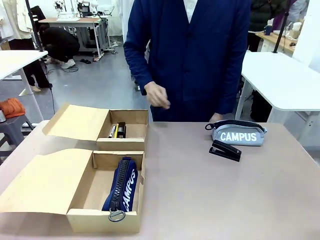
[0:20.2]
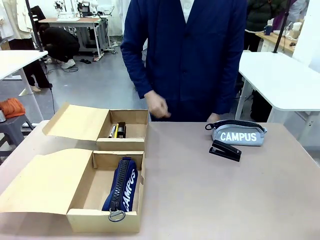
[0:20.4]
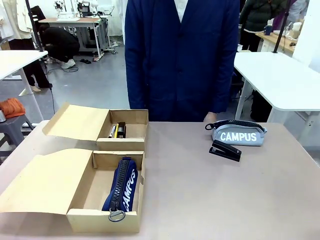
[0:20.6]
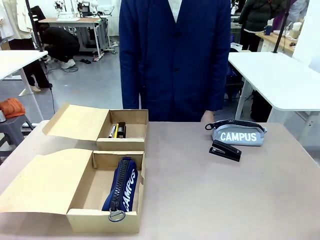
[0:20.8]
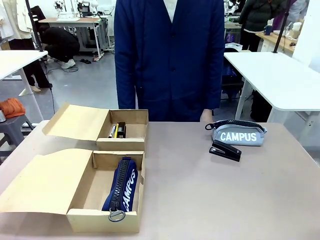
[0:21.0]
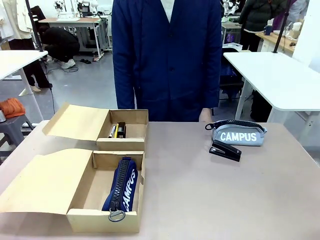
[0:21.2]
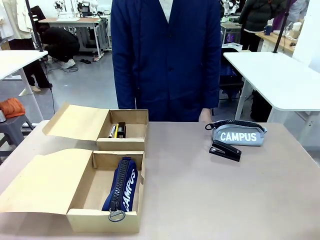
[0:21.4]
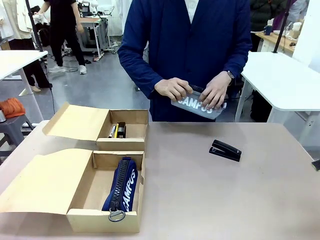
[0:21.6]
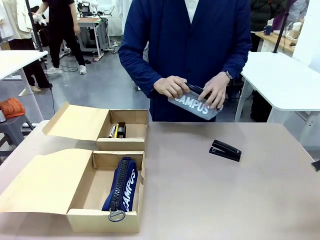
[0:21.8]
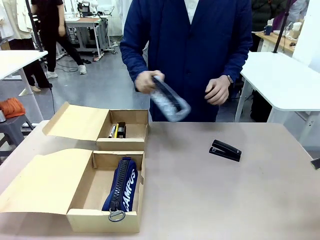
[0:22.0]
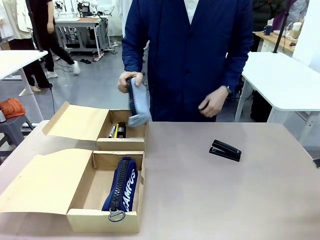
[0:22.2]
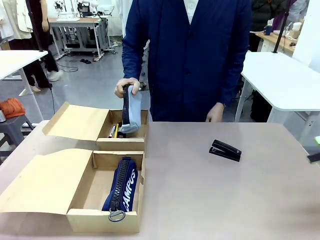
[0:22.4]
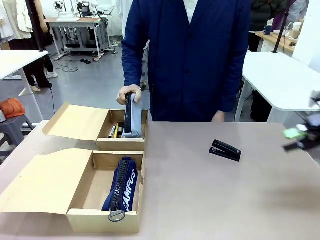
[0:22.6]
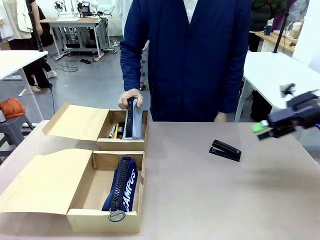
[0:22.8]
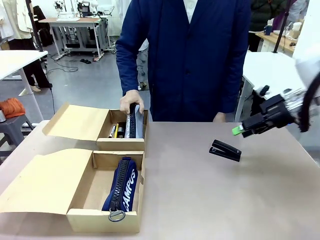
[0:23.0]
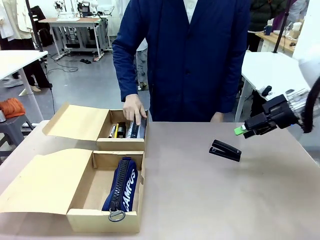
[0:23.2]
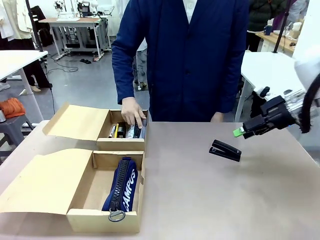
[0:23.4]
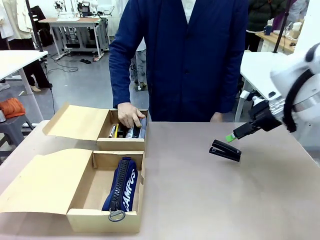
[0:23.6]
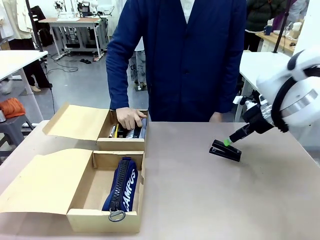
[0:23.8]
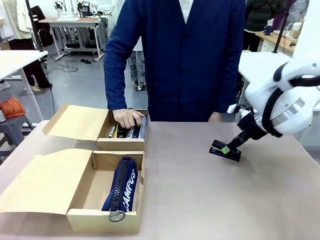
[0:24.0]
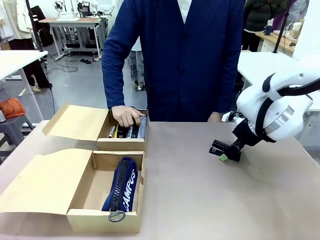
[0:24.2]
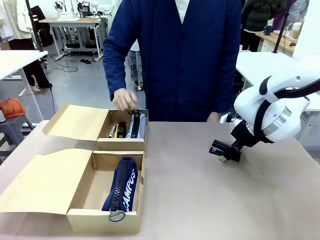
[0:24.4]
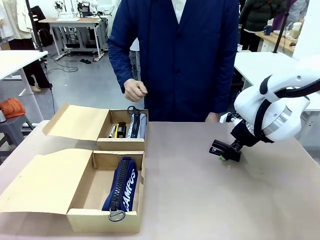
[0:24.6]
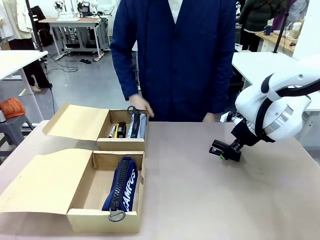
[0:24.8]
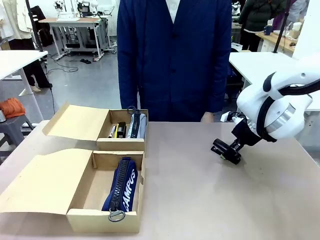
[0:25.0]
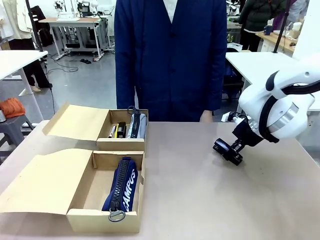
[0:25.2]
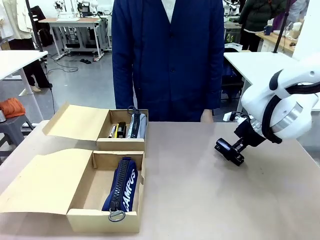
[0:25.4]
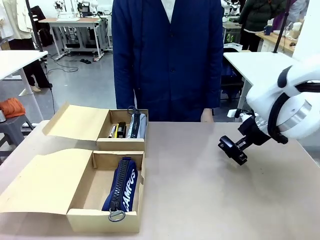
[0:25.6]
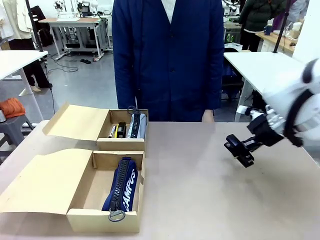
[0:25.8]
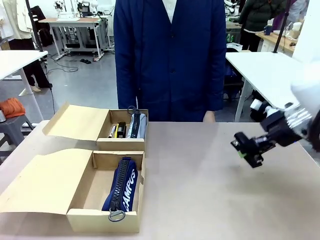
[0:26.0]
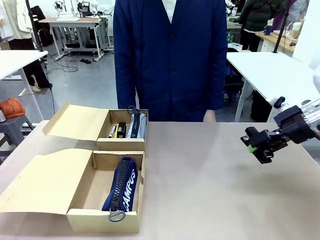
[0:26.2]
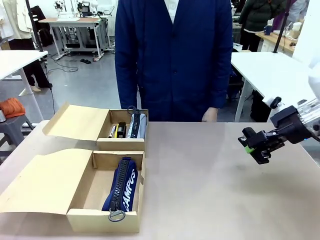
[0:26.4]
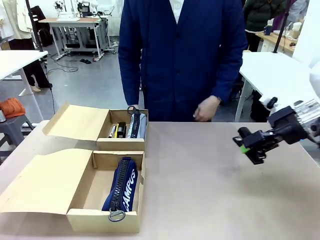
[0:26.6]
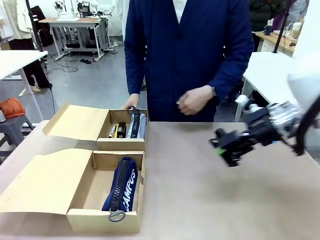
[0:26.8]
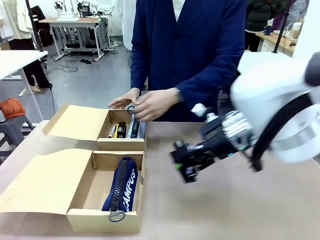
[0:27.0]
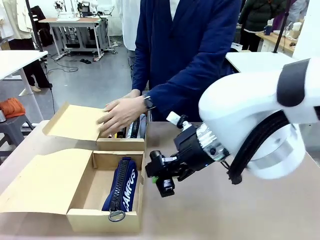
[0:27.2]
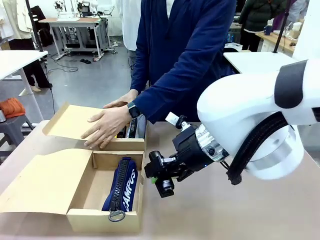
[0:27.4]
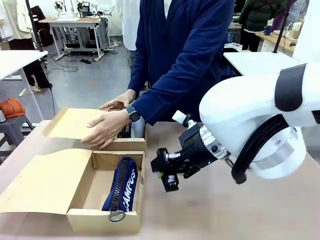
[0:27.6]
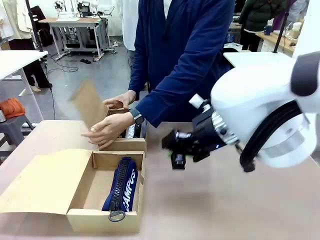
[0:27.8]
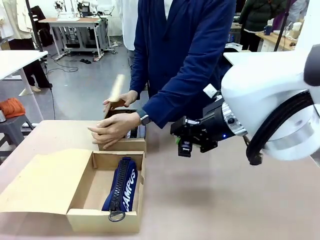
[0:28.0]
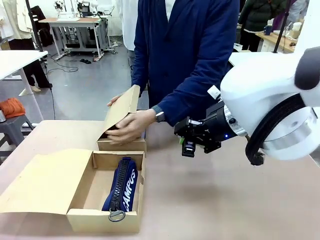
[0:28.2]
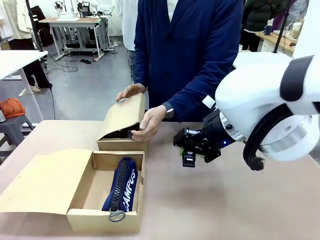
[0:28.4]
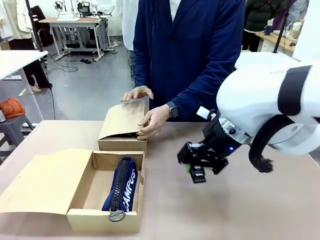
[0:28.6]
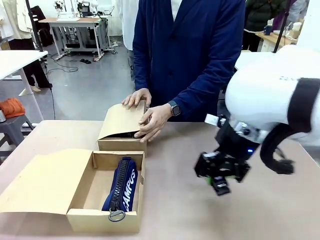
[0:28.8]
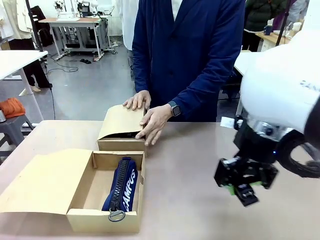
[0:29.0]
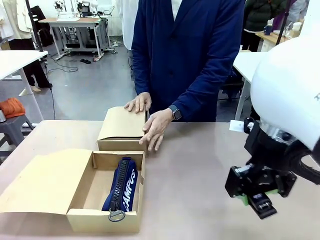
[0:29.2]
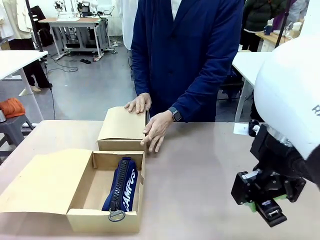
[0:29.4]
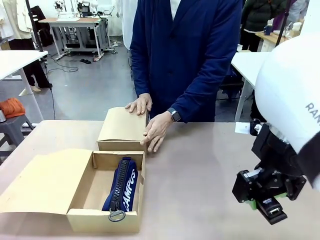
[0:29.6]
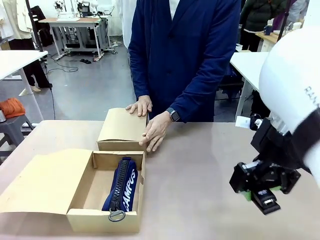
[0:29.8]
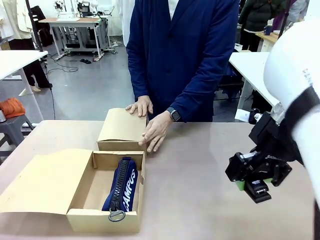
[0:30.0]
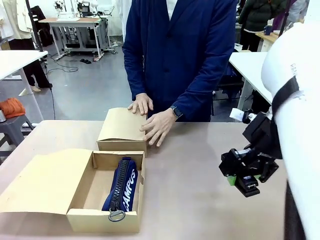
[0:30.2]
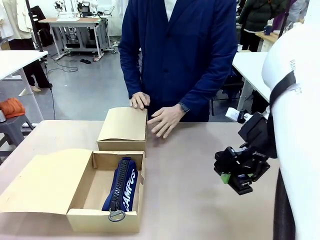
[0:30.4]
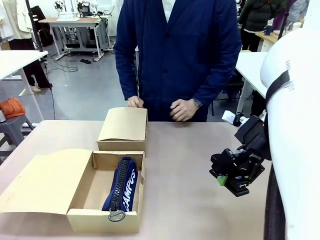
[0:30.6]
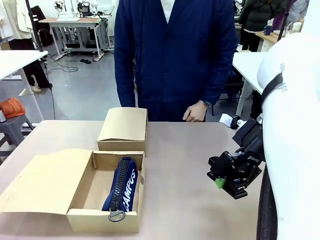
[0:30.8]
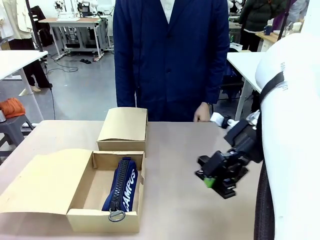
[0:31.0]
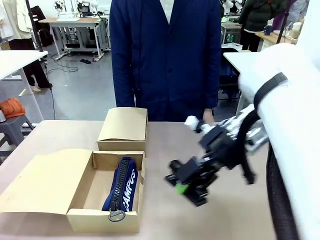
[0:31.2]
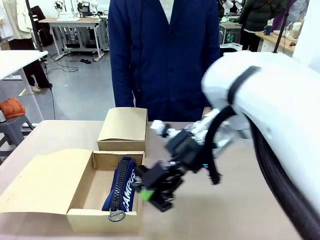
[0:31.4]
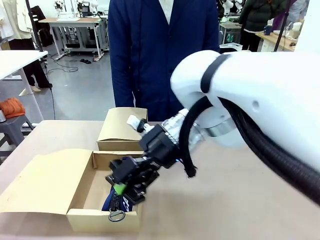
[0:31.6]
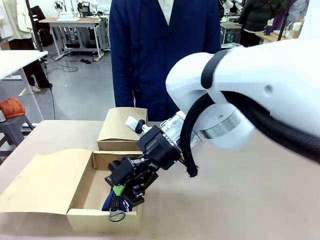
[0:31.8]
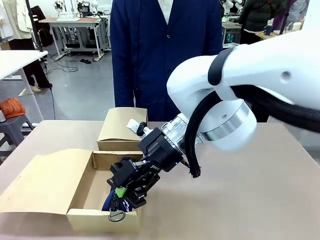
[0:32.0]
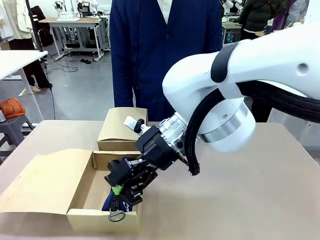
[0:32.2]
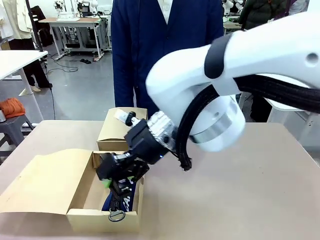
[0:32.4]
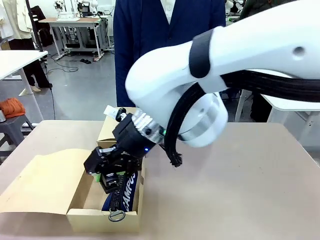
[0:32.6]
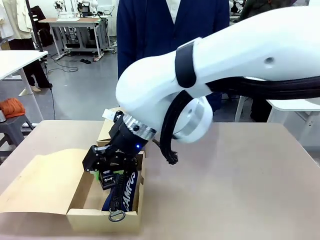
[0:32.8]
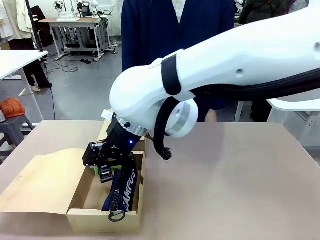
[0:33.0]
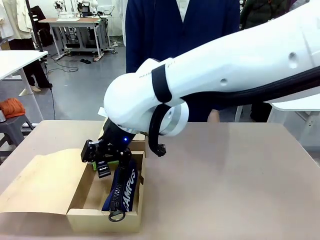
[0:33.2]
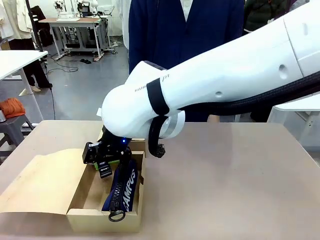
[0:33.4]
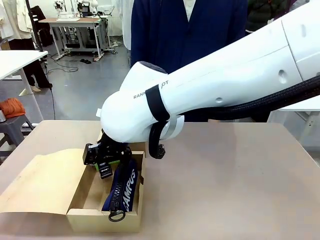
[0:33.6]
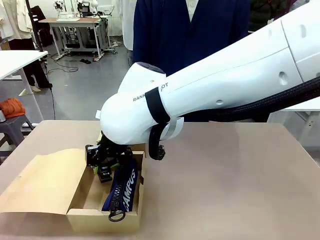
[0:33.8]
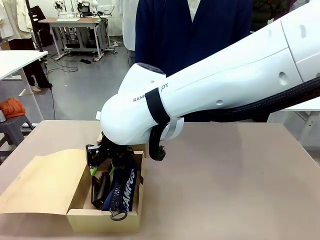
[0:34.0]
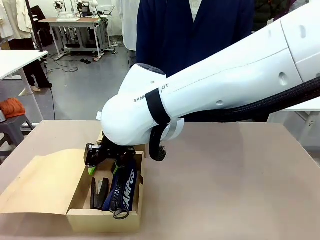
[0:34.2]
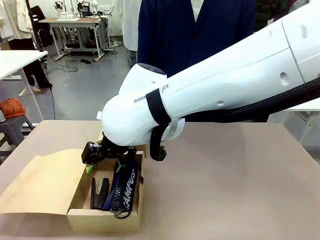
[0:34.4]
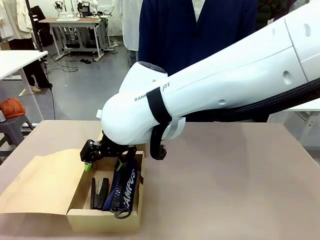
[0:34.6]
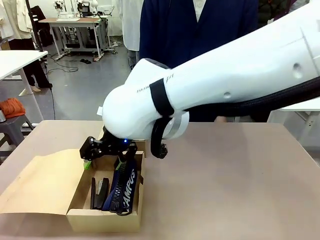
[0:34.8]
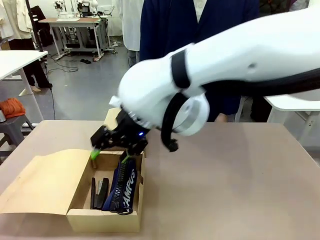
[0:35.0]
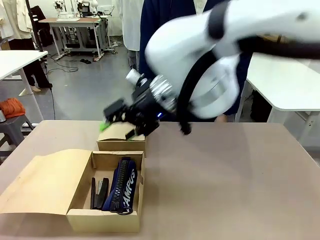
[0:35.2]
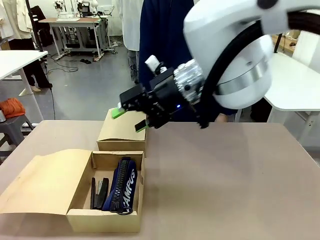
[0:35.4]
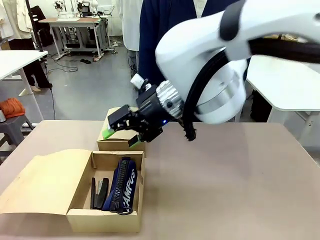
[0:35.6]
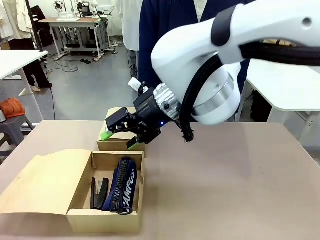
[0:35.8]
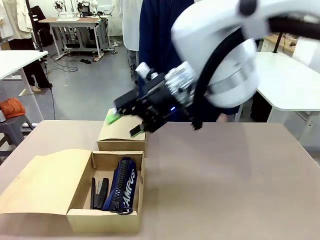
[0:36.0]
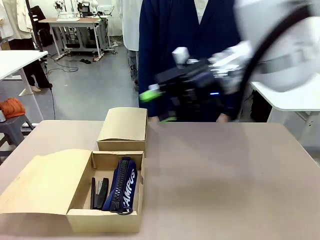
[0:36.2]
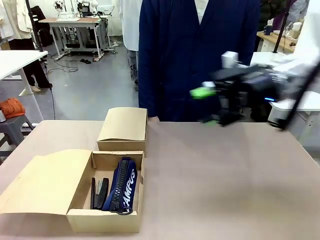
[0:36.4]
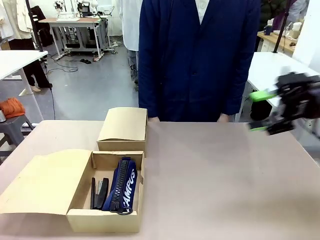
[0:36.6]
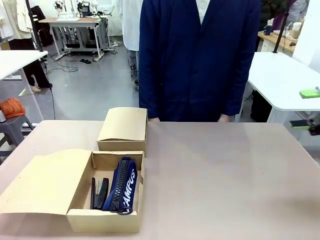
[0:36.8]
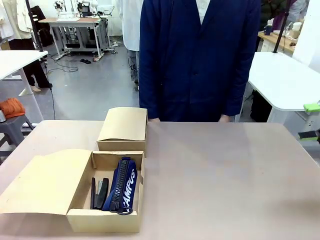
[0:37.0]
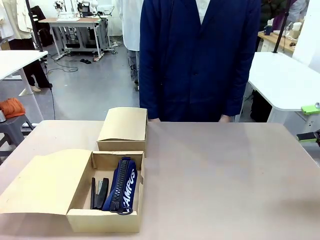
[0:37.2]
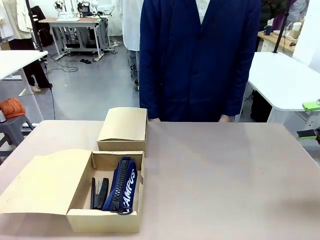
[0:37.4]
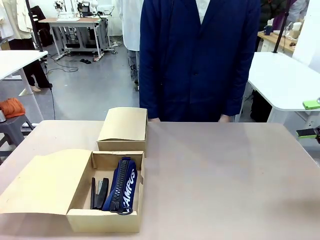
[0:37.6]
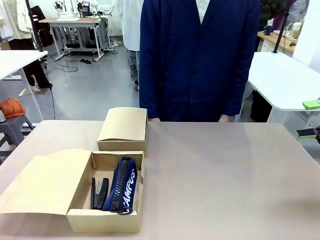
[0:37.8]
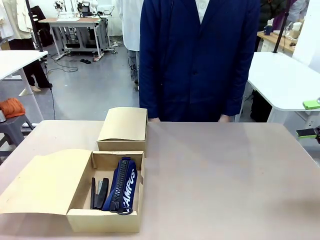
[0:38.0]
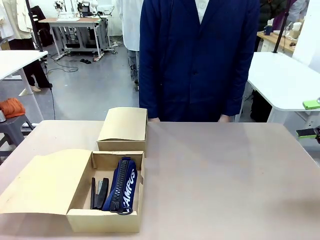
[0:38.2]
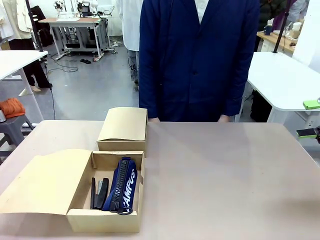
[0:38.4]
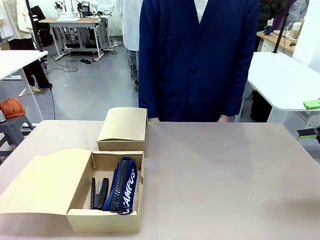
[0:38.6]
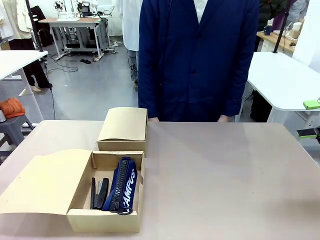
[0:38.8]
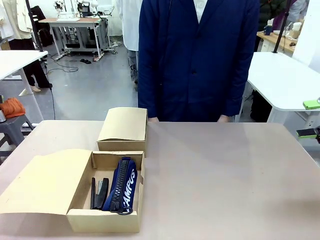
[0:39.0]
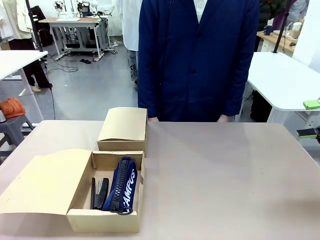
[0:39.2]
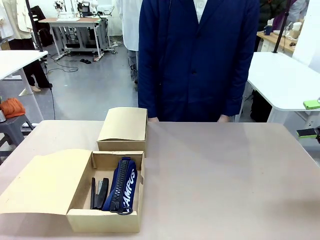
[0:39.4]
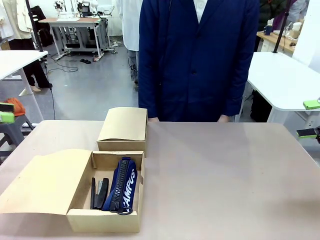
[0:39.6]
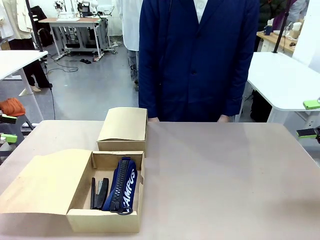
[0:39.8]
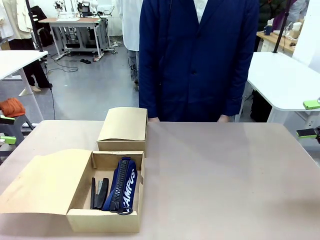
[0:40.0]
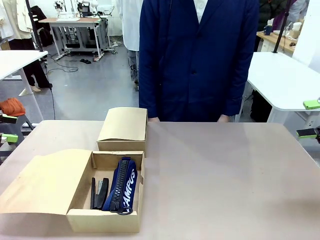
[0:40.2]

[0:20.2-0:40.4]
Task: Place items inside the box.
Robot: Pick up a Pencil pouch or Stapler and place it inside the Mailer Box closest to the robot.
Person: Close the lid of the box facing the person.
